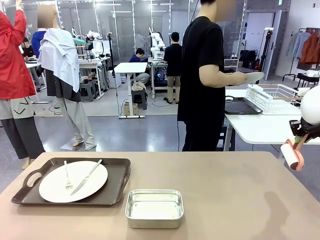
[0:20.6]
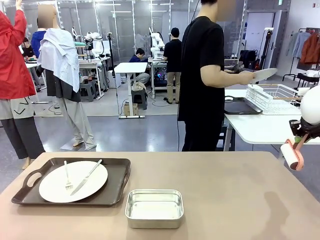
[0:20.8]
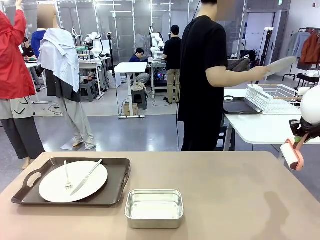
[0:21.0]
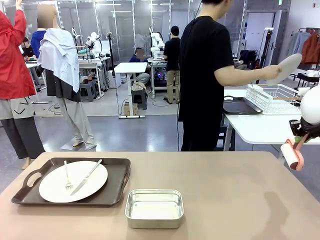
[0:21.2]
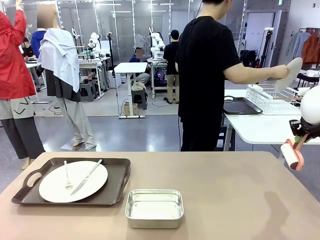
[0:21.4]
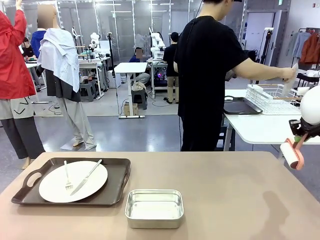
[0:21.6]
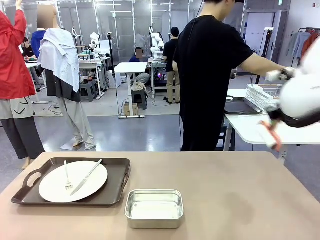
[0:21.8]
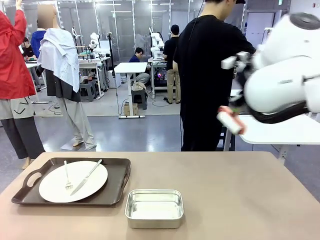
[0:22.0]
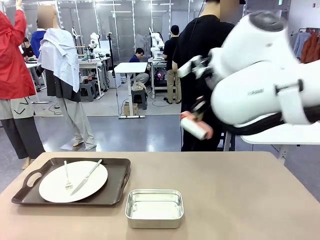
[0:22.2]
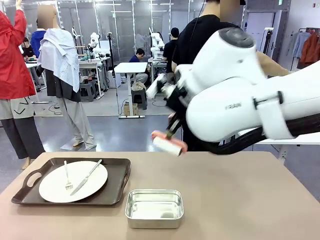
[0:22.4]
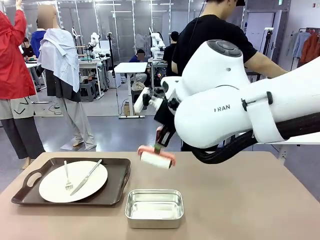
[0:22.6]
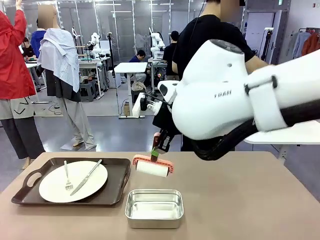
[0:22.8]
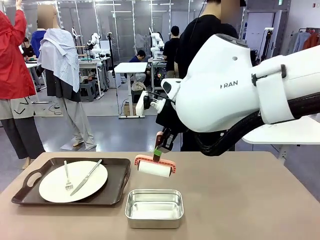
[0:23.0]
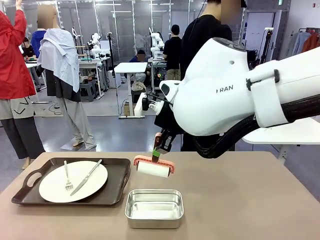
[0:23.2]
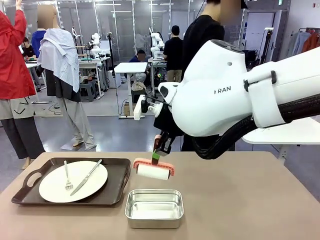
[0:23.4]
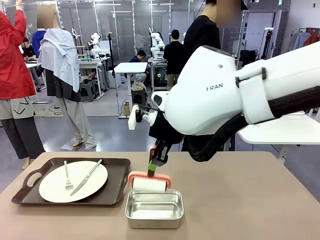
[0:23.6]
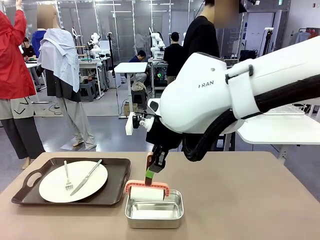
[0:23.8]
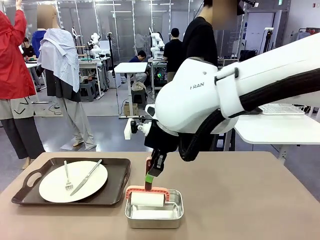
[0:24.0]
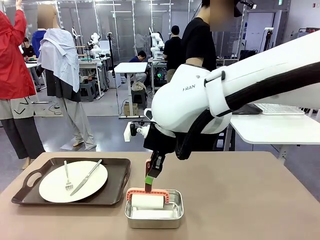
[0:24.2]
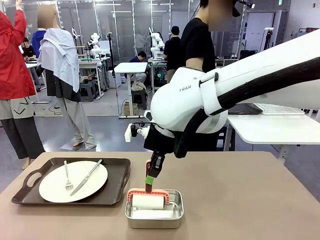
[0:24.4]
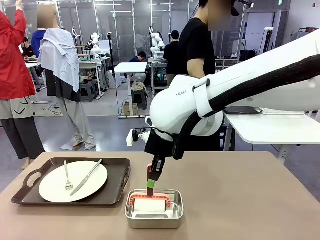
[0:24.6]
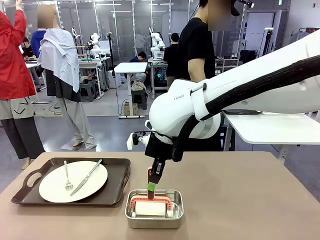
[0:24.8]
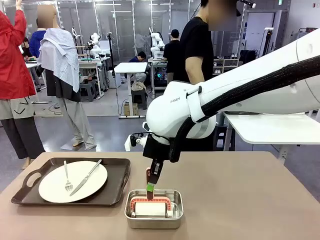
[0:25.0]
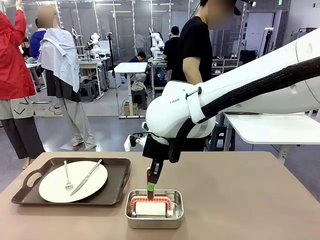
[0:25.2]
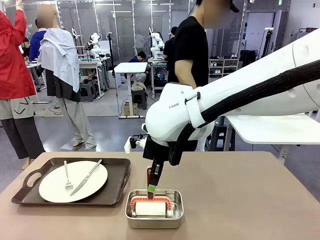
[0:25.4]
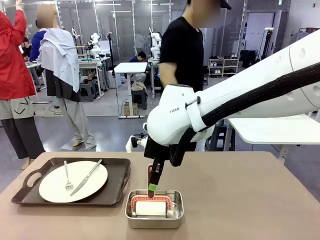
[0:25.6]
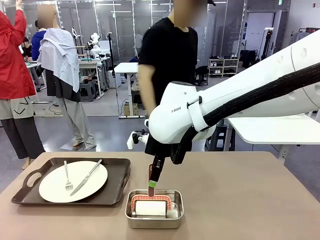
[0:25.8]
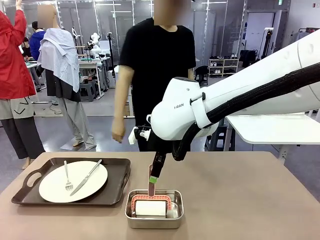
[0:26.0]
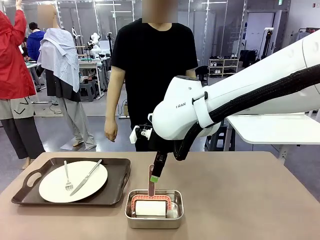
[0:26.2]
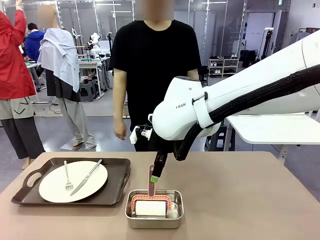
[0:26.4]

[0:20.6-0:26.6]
Robot: Place the Lint Roller back on top of the Airtight Container.

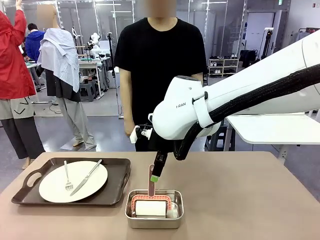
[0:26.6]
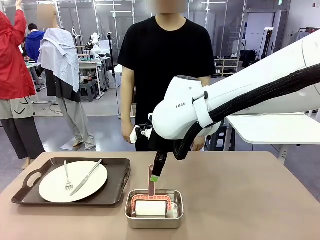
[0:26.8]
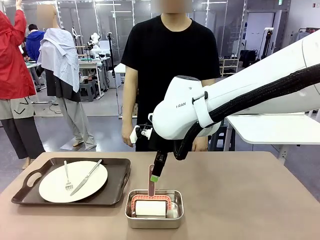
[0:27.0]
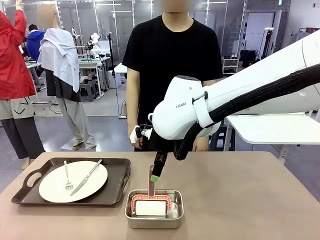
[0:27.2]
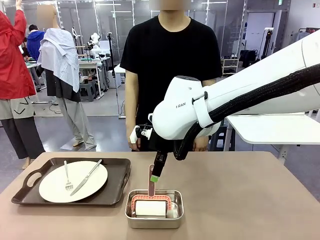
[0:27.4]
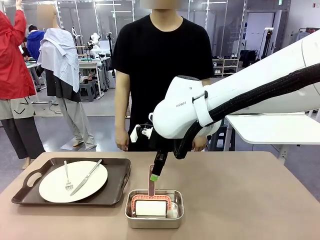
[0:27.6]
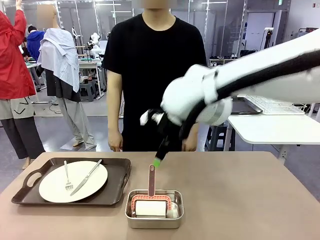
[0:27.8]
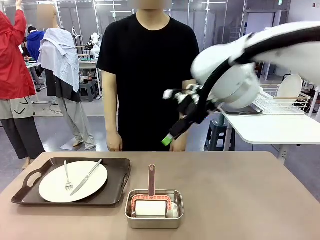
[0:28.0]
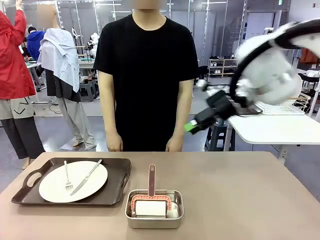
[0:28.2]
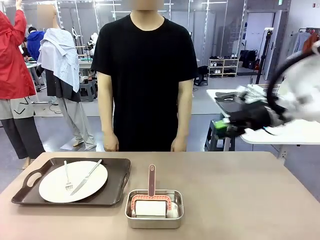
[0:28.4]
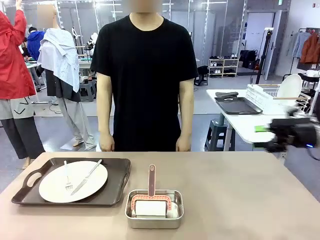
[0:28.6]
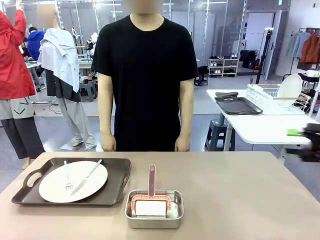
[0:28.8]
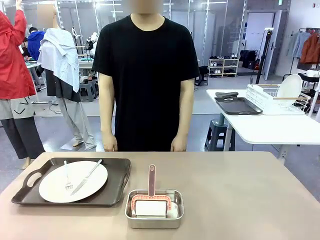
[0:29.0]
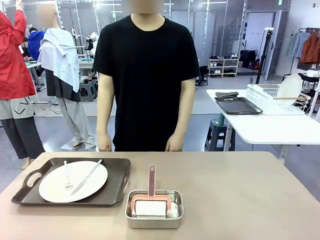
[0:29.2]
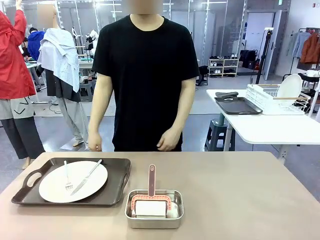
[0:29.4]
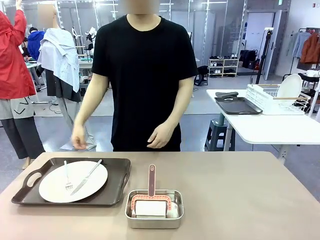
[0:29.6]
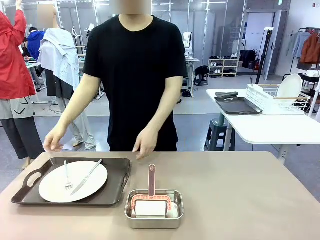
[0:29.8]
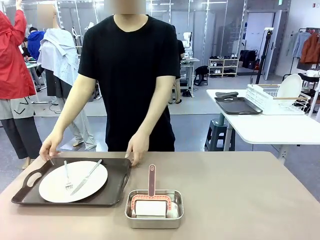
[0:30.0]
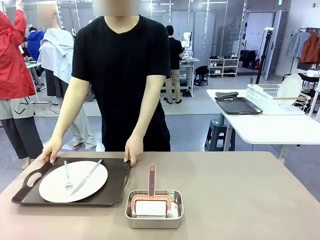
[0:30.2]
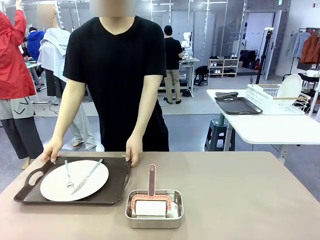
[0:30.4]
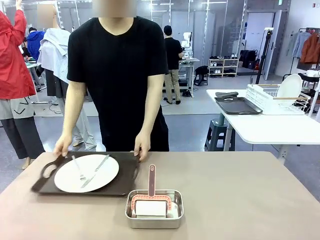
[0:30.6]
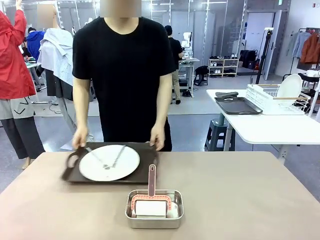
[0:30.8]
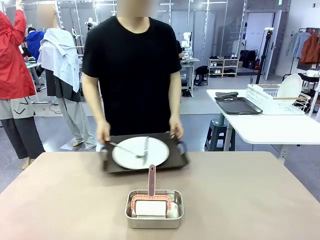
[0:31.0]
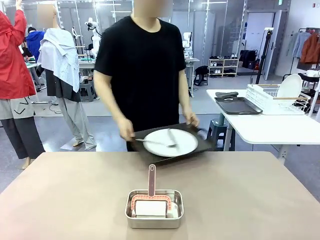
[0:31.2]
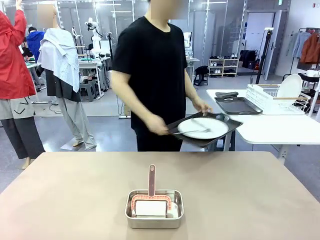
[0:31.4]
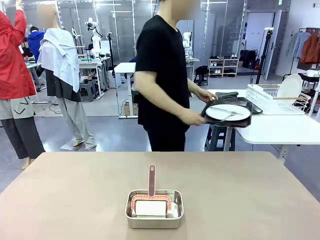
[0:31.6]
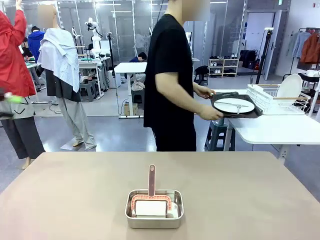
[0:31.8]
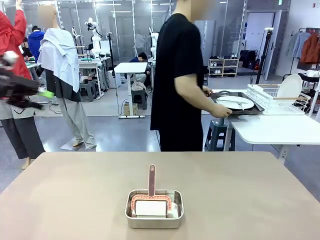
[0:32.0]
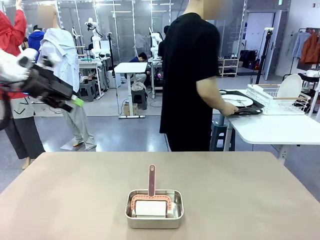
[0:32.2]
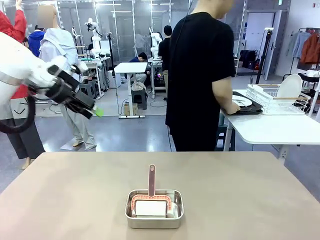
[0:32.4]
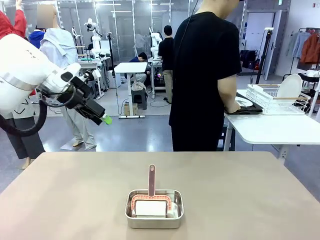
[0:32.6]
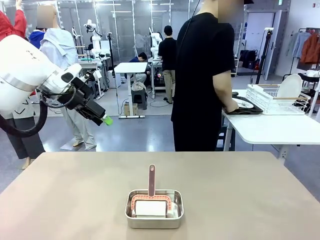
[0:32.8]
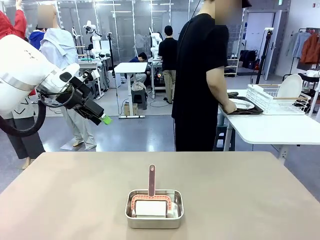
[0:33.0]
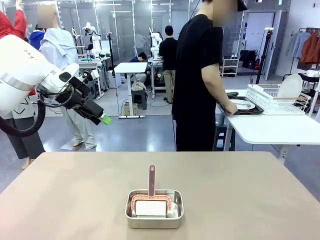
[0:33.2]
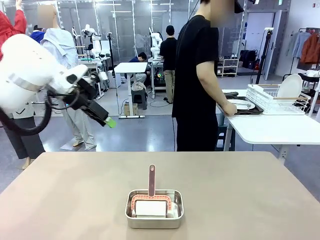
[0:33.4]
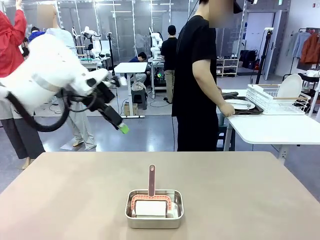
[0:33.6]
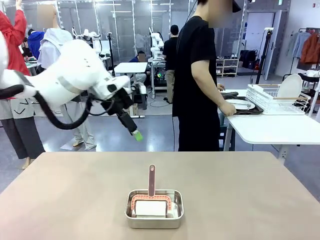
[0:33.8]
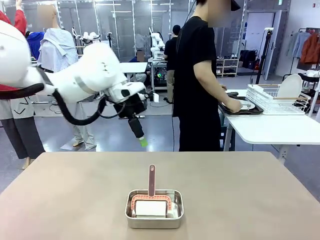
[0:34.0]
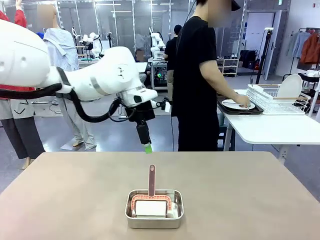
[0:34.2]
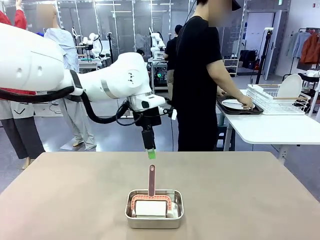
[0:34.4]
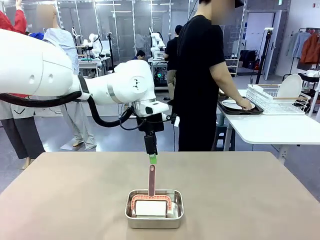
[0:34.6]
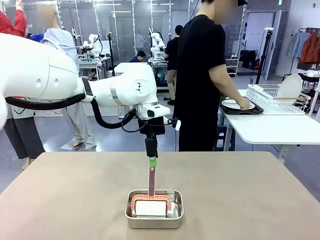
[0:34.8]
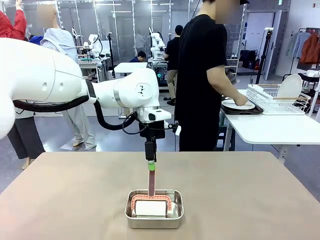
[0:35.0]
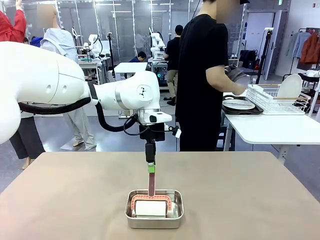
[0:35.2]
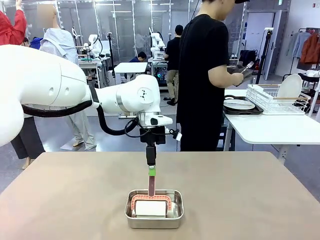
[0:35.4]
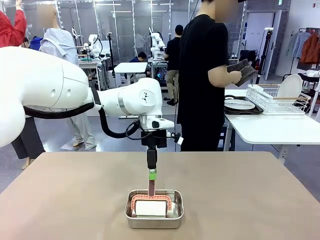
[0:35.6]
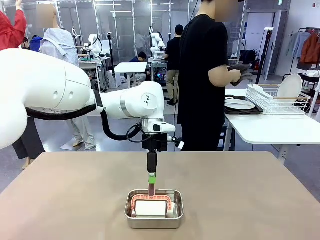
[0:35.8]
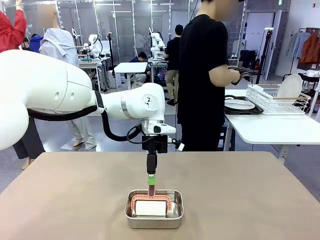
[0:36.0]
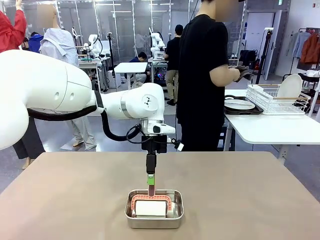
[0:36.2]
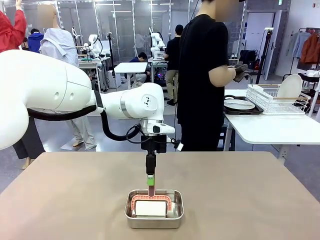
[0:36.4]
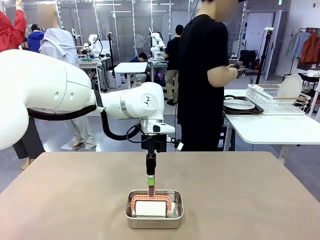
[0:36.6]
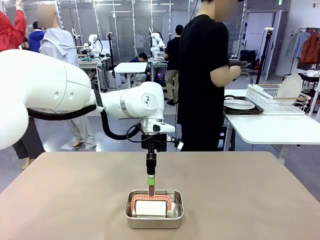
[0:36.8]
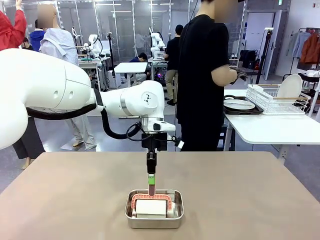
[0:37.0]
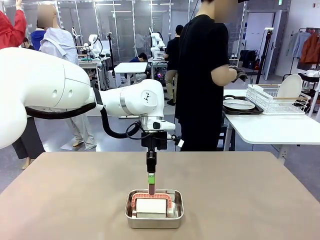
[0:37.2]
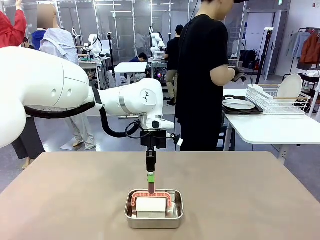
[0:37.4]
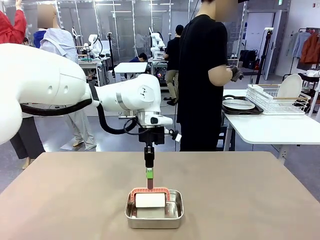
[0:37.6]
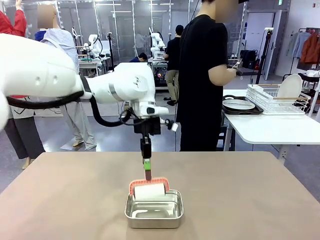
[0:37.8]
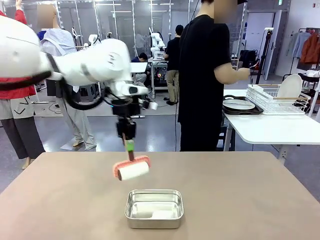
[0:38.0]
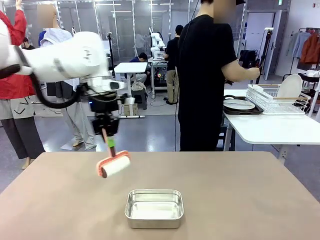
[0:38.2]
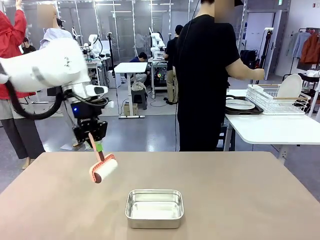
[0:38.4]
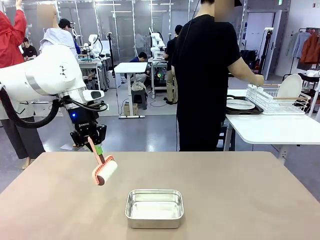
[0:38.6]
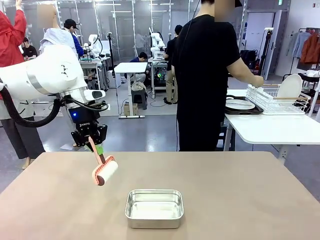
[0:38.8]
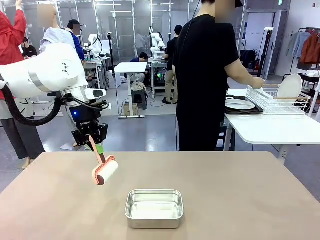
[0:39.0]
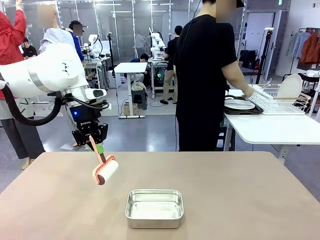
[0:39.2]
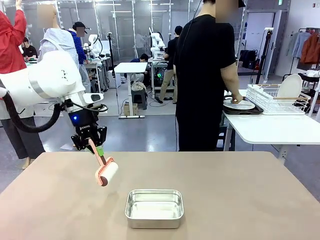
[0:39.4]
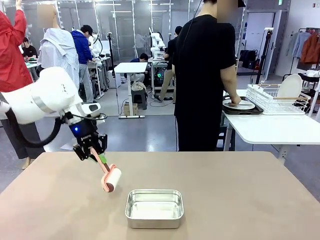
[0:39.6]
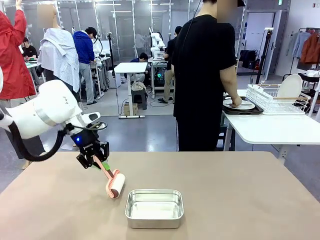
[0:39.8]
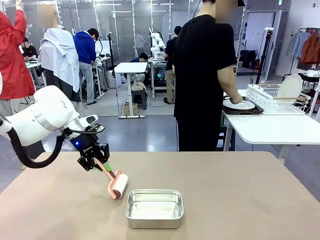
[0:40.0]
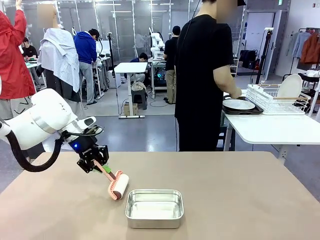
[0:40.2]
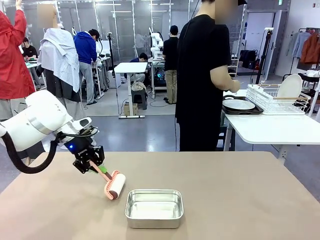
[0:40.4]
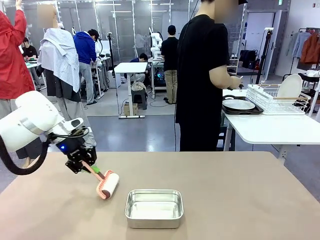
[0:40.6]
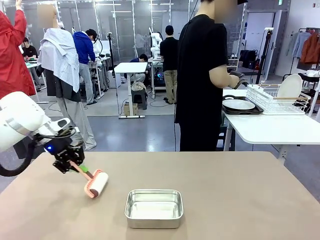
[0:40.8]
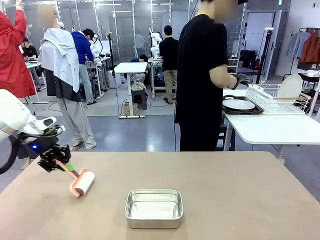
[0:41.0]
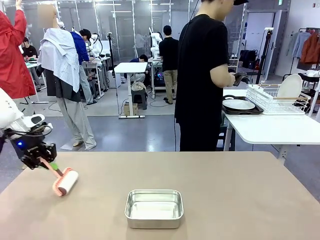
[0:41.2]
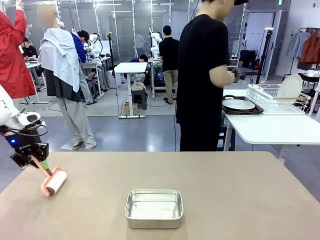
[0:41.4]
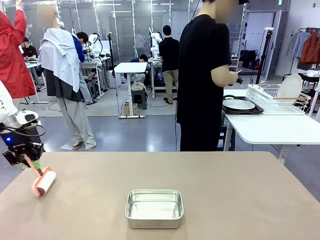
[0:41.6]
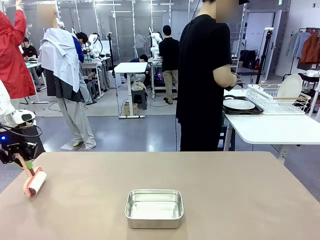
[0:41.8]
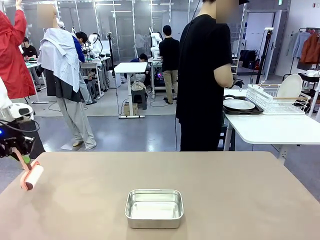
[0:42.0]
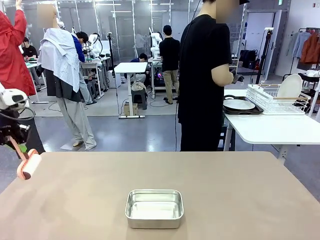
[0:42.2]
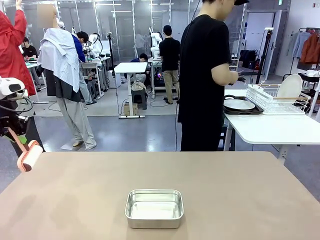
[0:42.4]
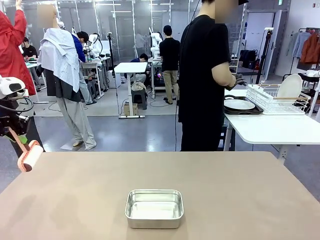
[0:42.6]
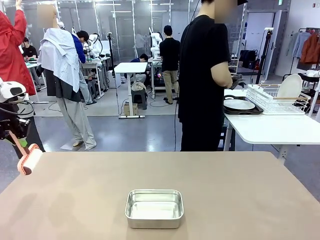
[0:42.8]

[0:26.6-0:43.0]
Robot: When the right (or left) Handle tray is removed, use the right hand (or left hand) to clean the right (or left) side of the table with the Lint Roller.
Person: Pick up the left (or right) Handle tray and place it on the Handle tray.
